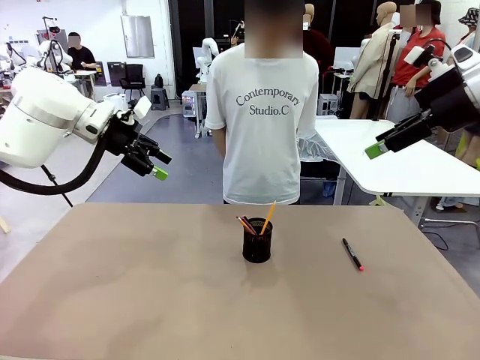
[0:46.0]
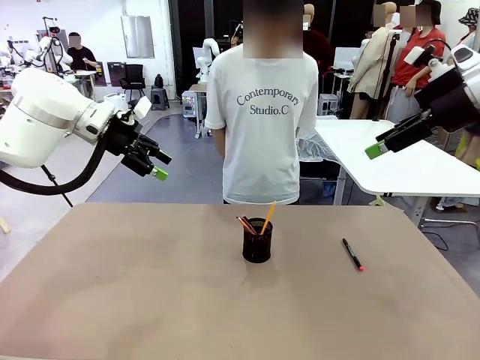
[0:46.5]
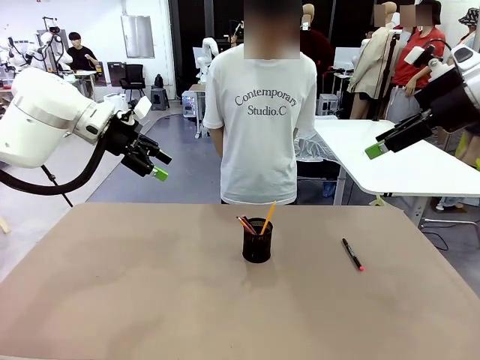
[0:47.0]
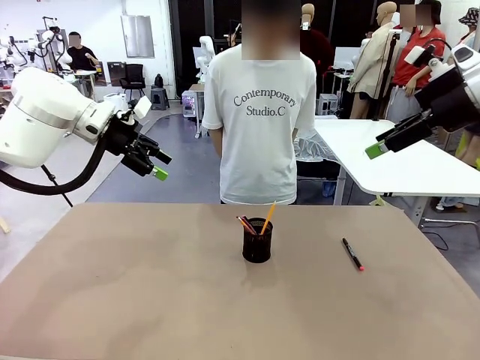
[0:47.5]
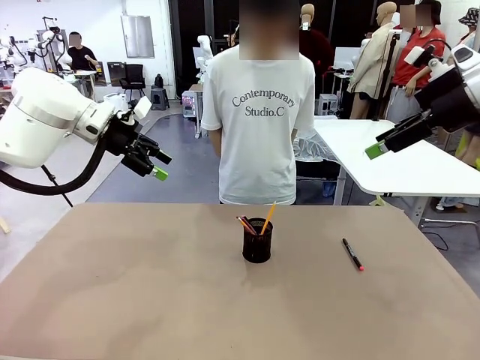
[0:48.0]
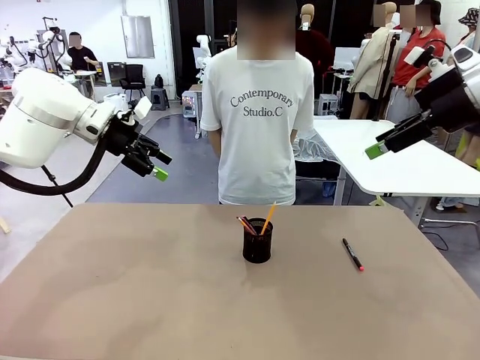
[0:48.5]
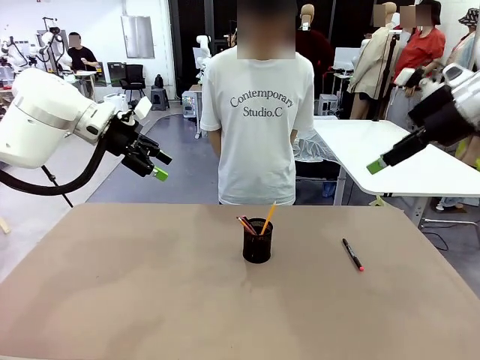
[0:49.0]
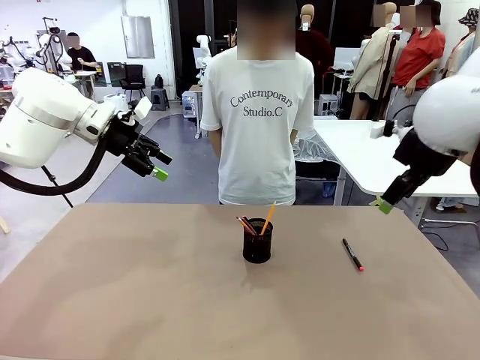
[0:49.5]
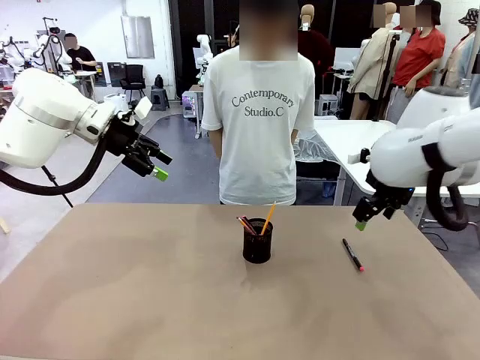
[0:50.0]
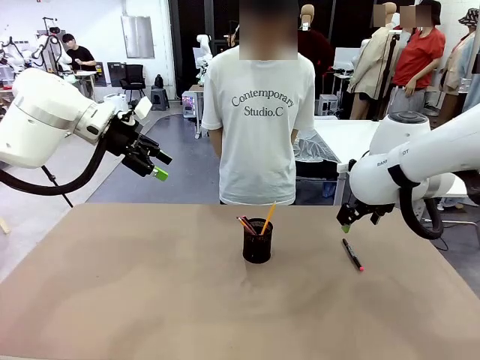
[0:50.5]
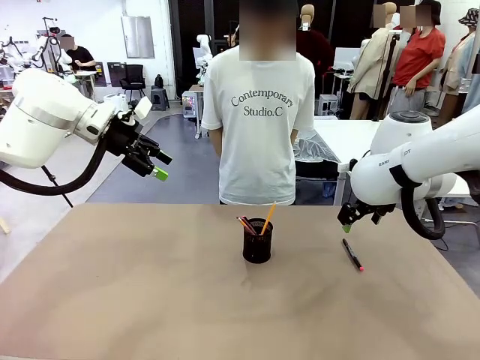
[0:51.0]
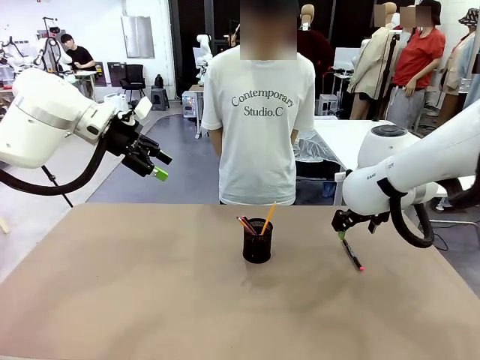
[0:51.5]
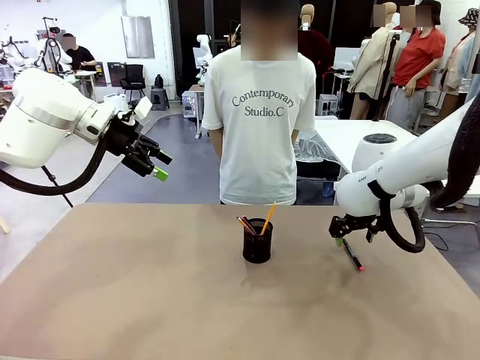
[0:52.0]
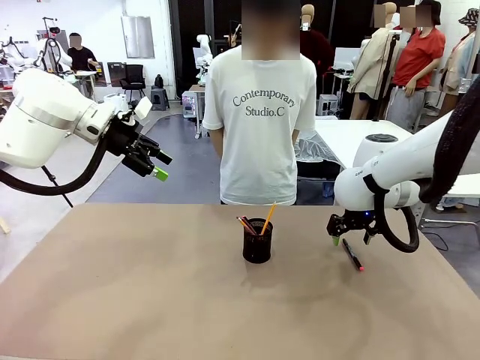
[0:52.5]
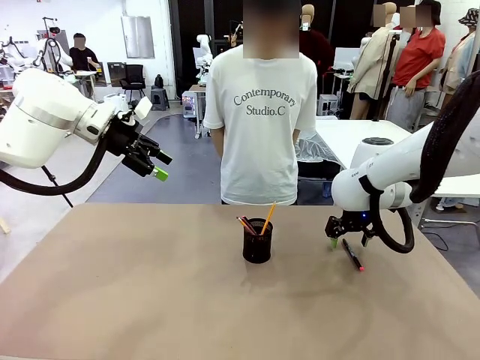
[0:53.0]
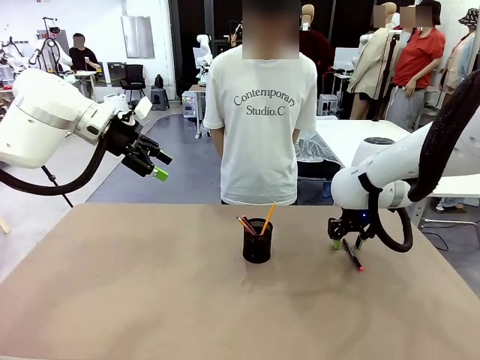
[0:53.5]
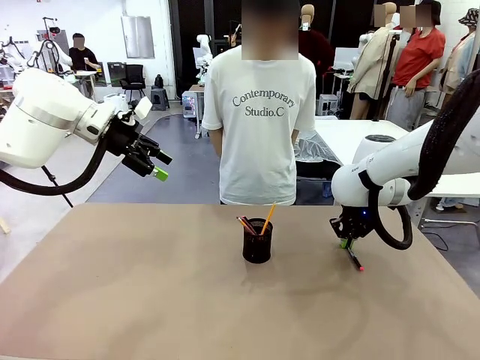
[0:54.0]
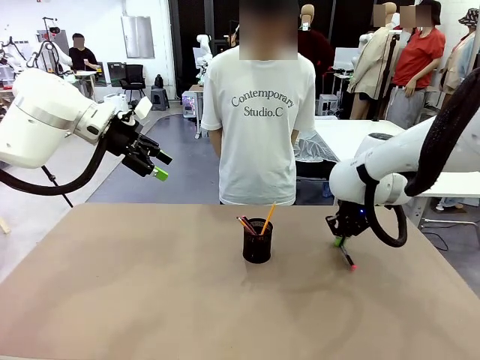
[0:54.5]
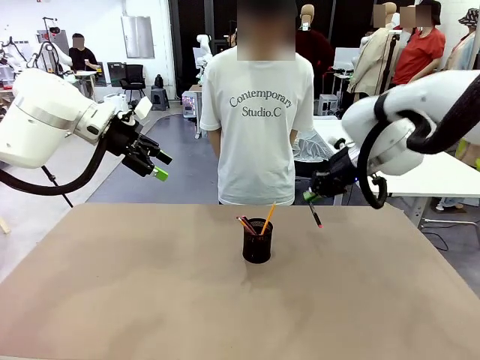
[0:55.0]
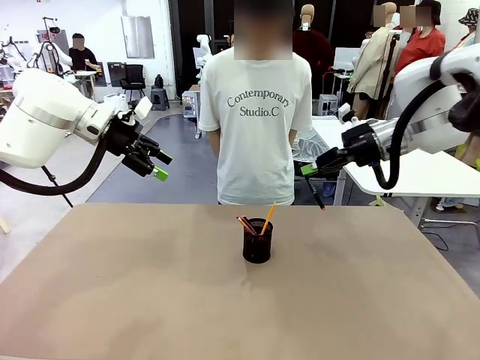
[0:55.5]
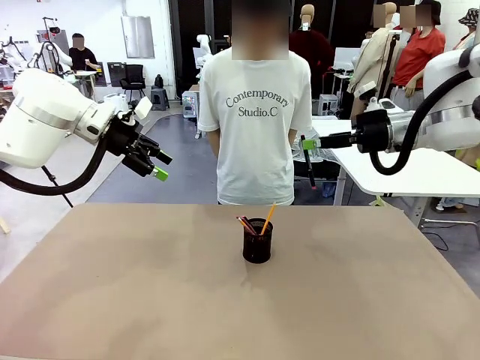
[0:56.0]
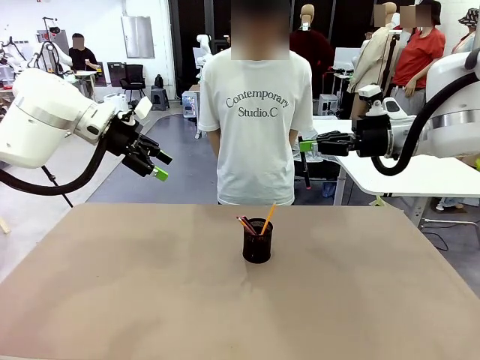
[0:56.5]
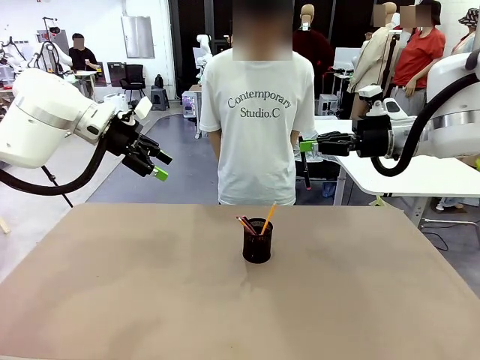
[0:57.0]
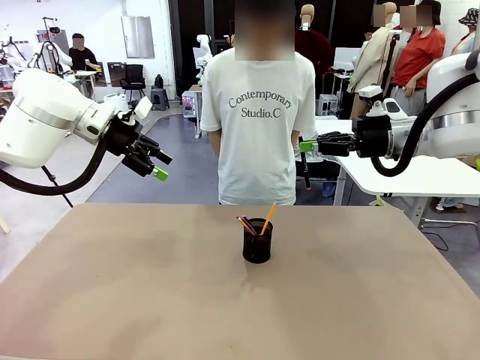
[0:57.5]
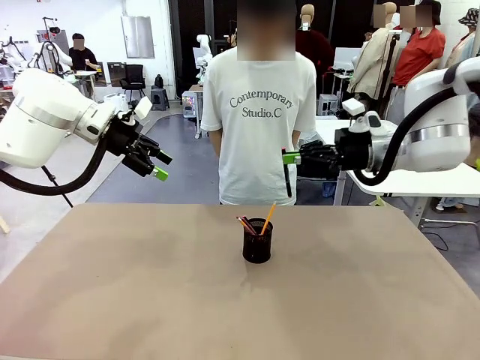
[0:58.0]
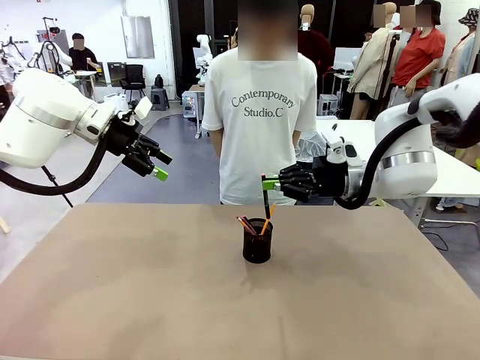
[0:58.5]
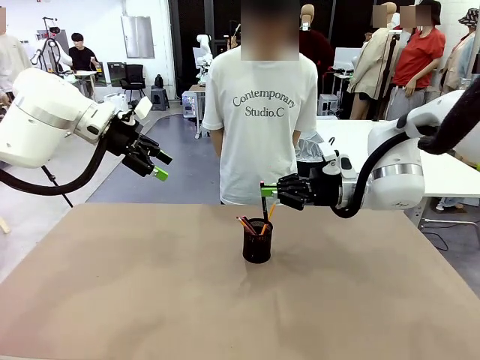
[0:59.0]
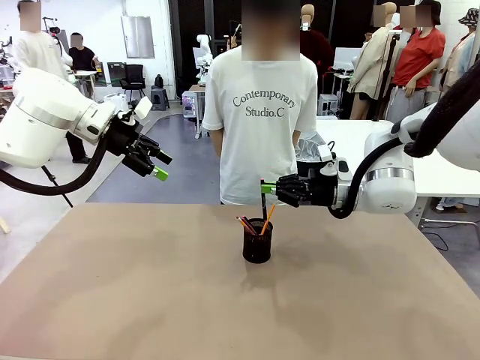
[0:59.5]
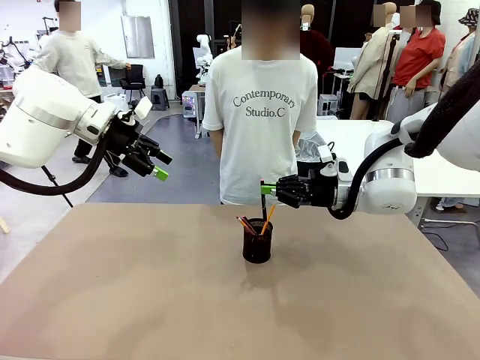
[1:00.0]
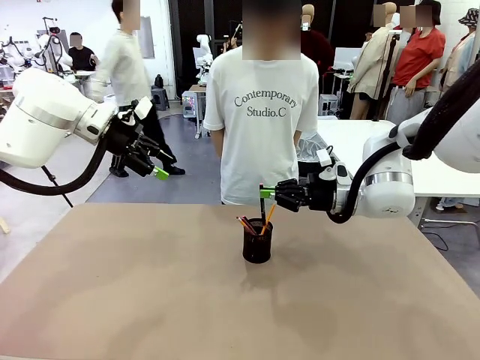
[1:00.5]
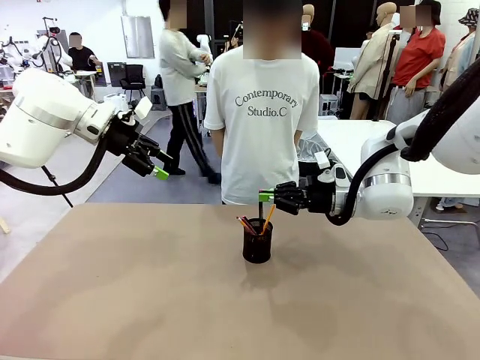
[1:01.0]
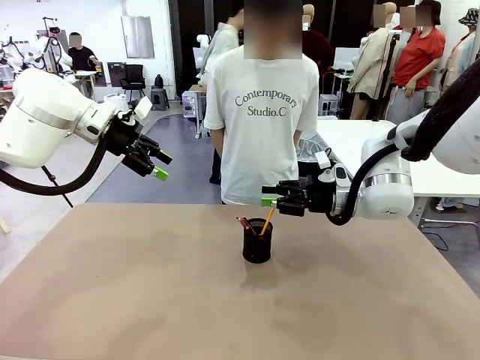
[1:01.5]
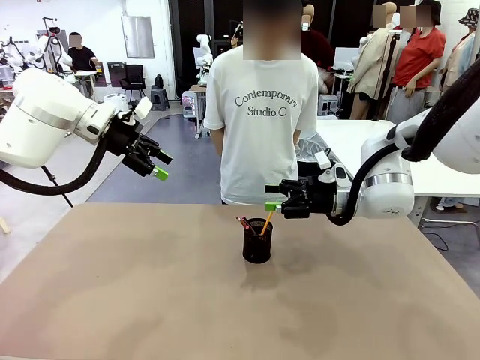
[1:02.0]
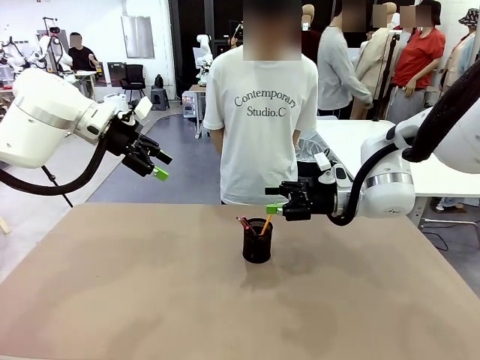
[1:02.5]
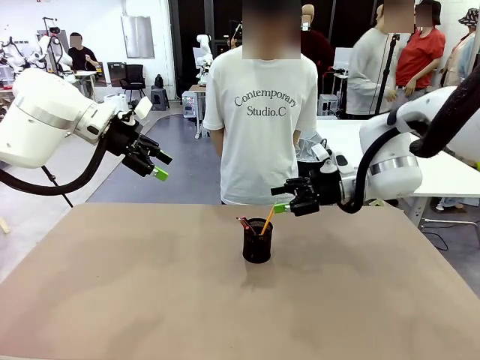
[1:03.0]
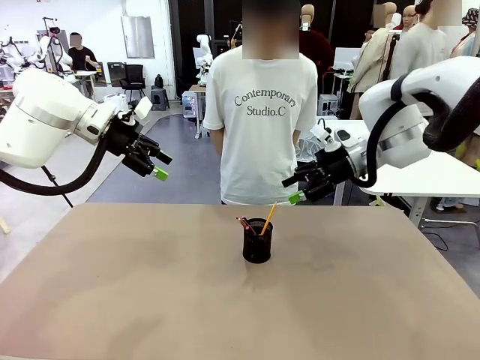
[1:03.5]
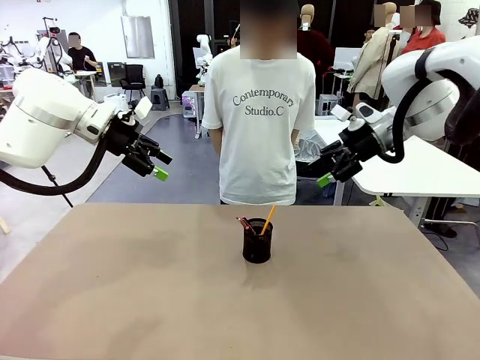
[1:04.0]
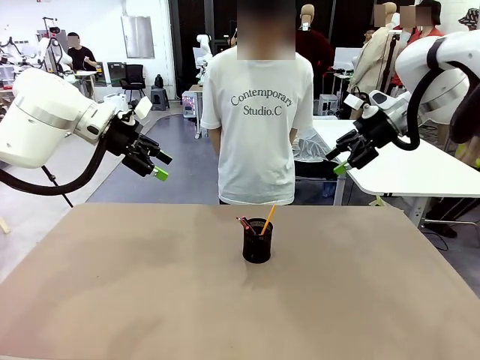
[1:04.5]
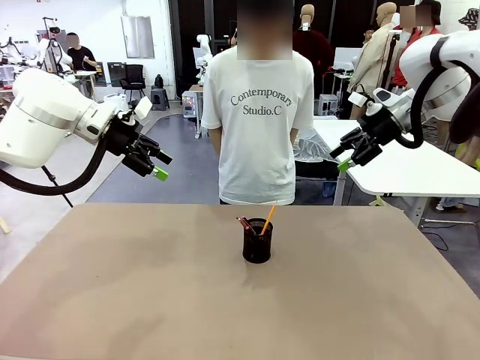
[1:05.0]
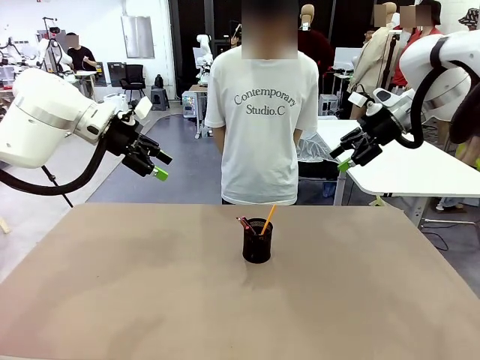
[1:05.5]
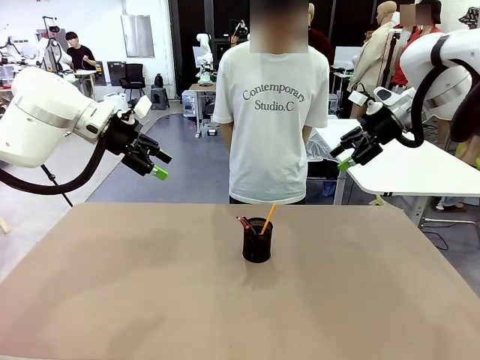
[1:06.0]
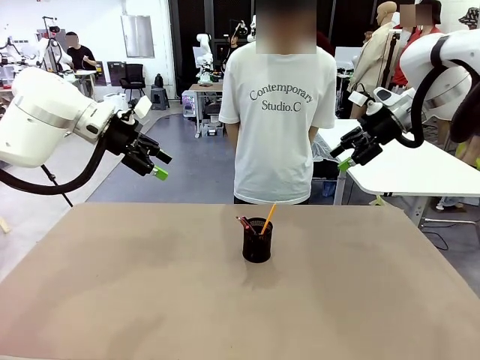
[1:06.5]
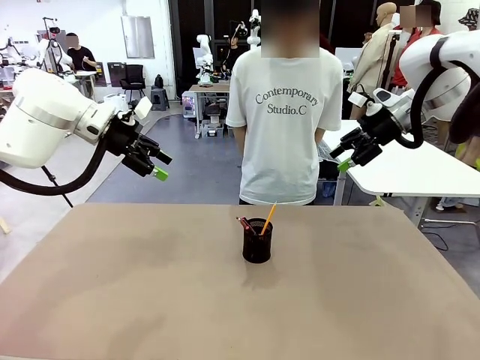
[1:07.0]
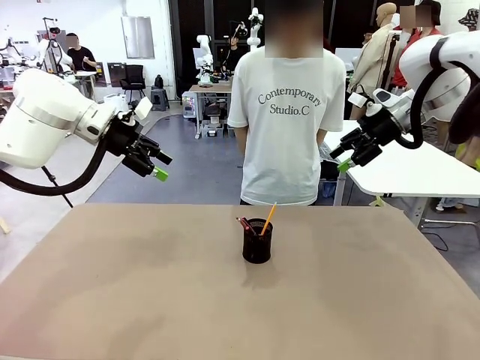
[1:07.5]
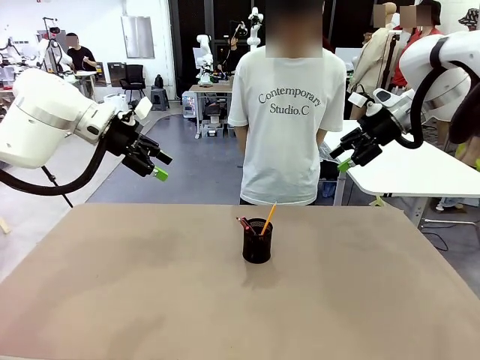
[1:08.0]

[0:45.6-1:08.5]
Task: Place the pens into the pen holder.
Robot: Pick up a writing instrument from the table and place it into the Pen holder.

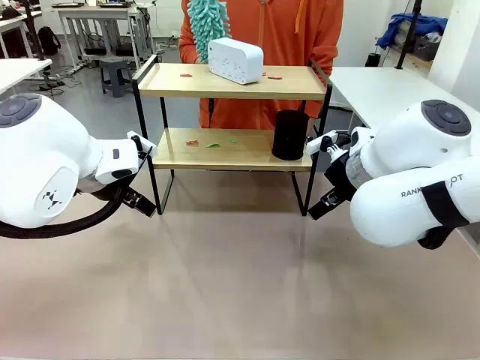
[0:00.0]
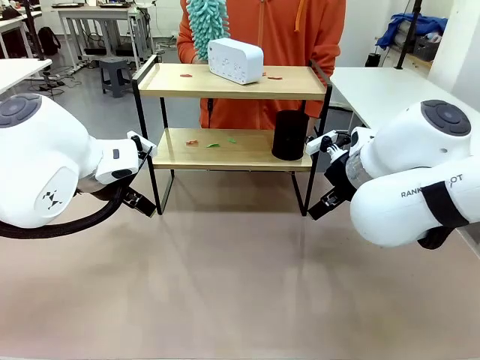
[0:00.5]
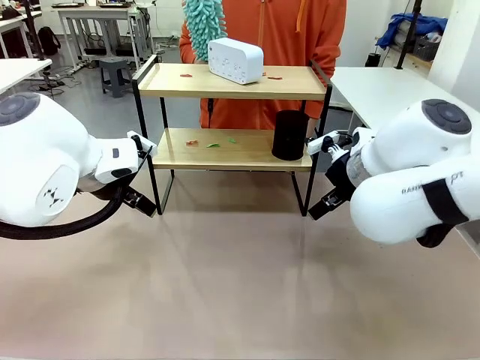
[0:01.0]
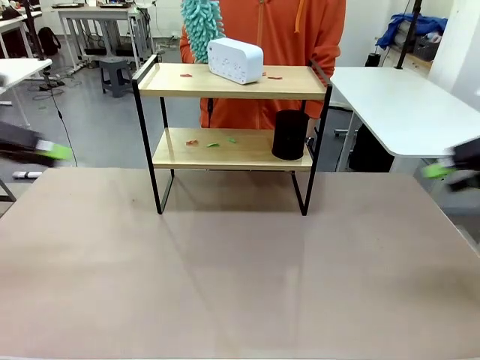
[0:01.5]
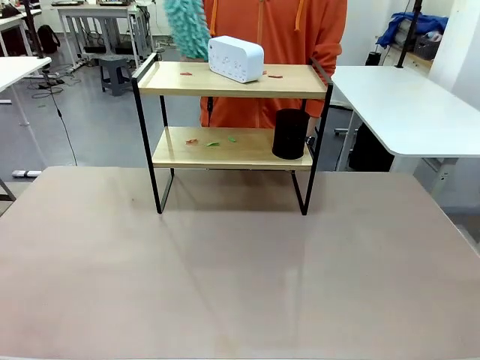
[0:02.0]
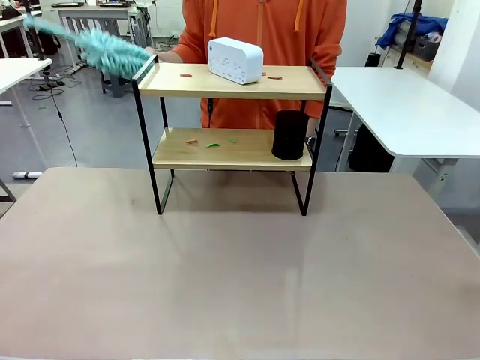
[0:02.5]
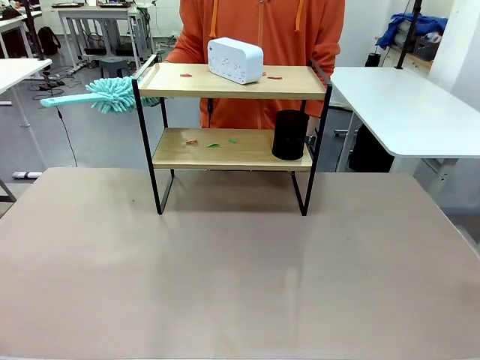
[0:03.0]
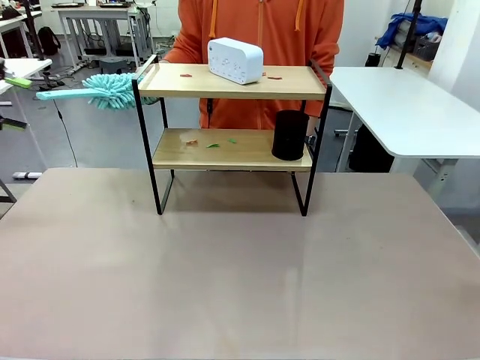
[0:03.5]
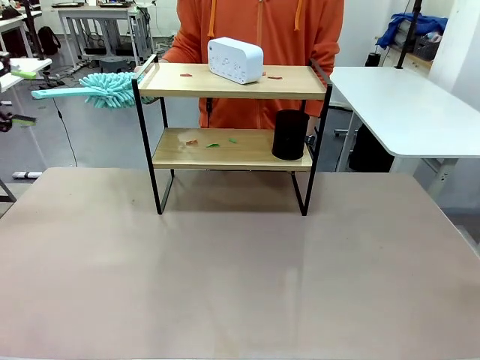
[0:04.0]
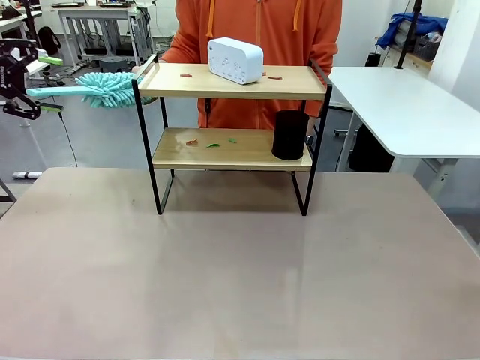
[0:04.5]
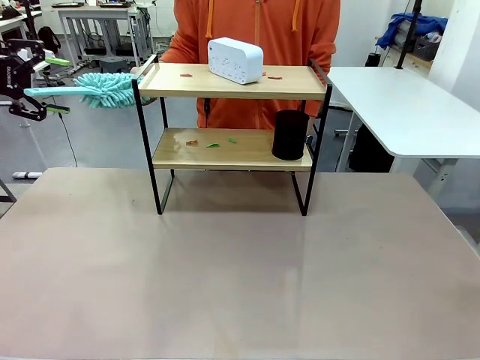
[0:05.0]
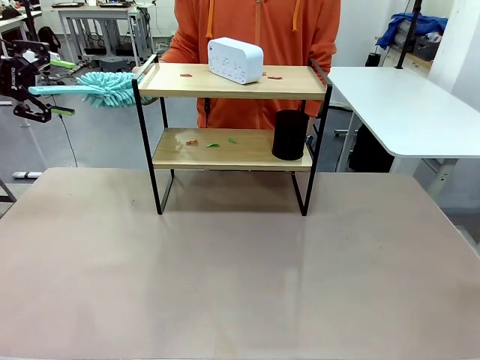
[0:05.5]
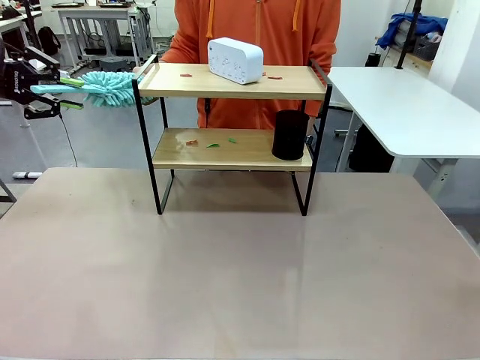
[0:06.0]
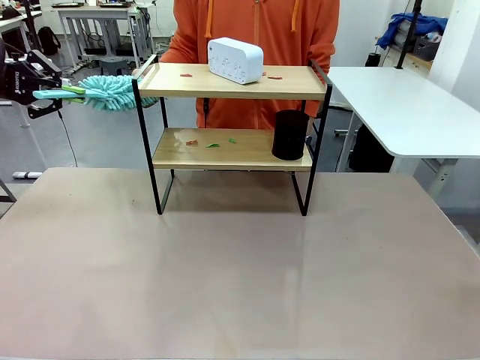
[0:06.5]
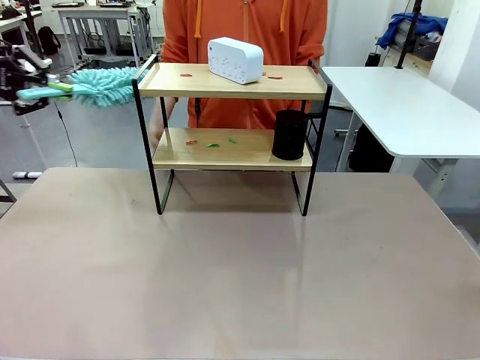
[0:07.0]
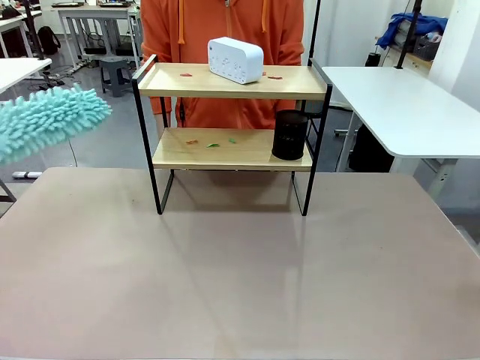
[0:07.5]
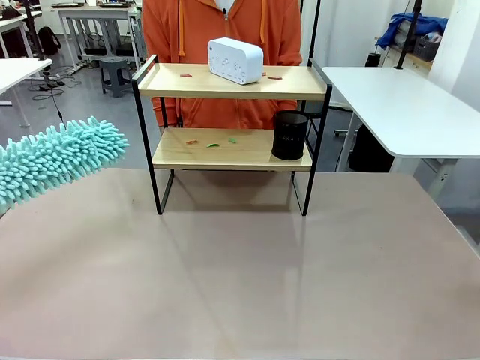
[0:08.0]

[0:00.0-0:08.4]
Task: Clean the shelf.
Robot: Pick up the Duster from the human.
Person: Hand the Duster to the robot.
